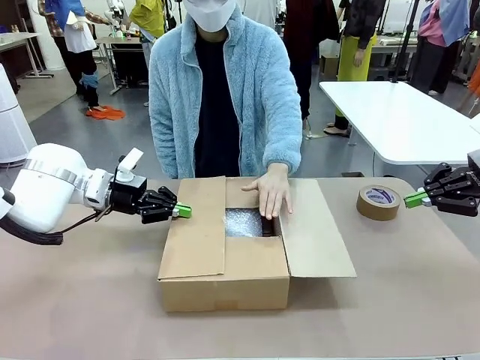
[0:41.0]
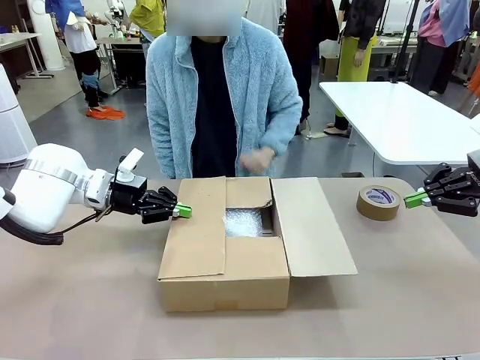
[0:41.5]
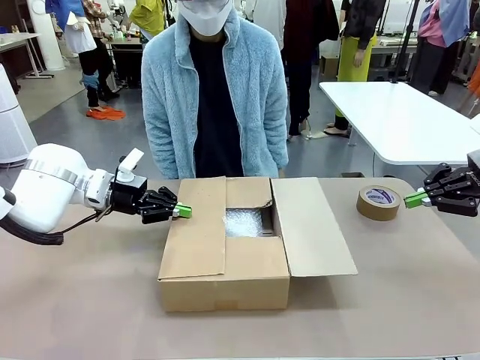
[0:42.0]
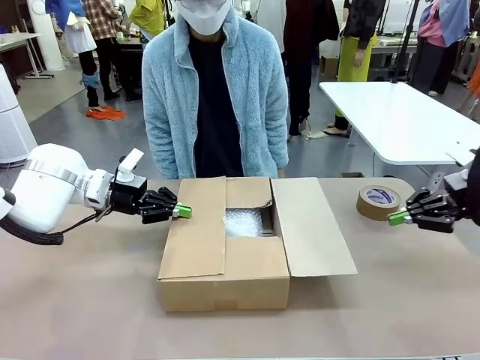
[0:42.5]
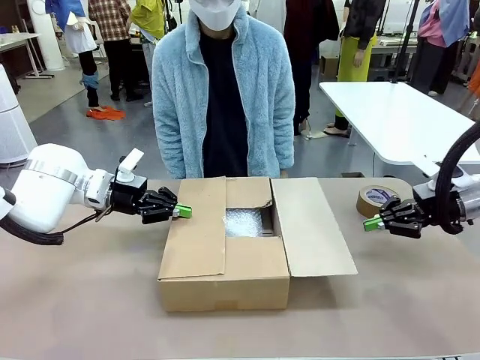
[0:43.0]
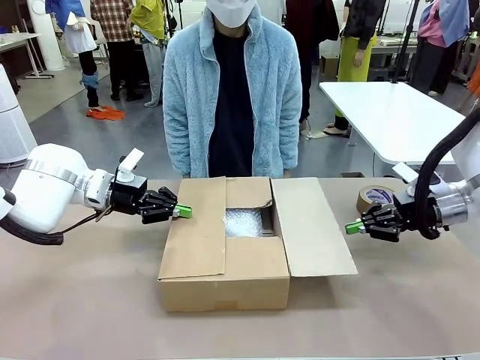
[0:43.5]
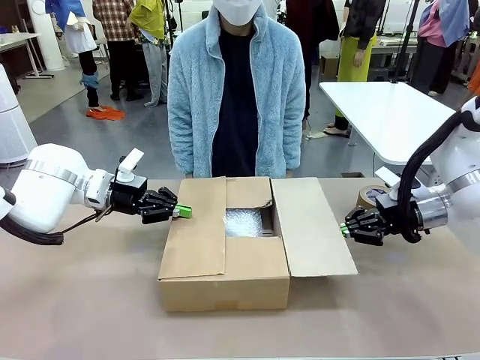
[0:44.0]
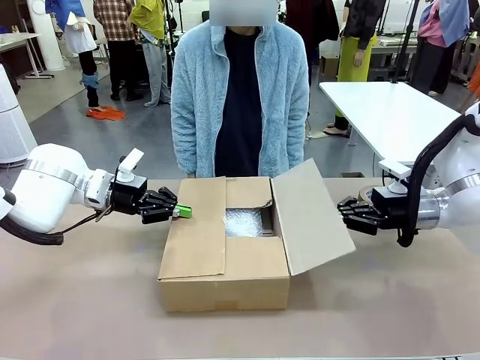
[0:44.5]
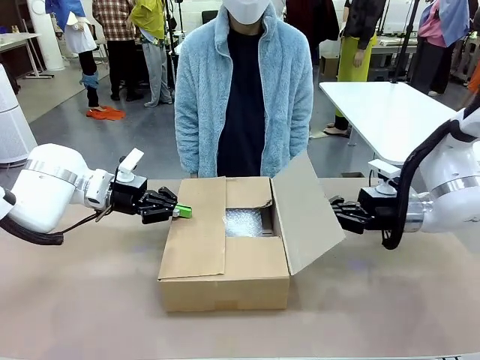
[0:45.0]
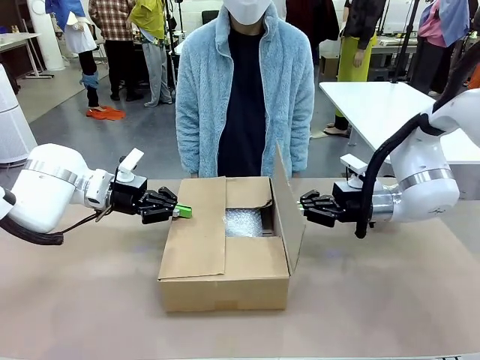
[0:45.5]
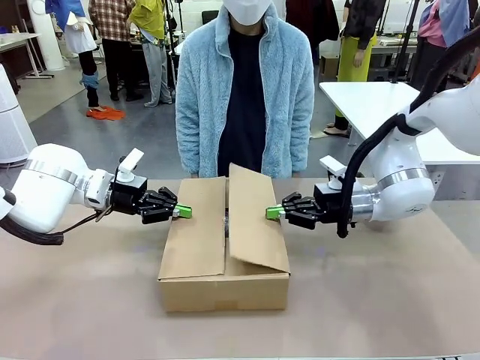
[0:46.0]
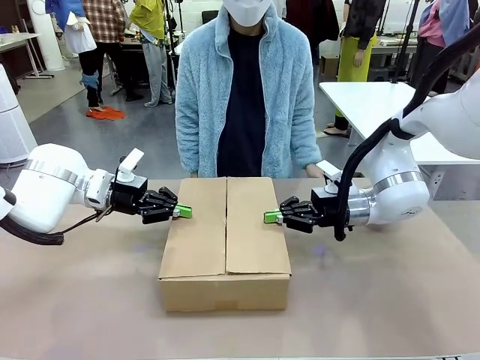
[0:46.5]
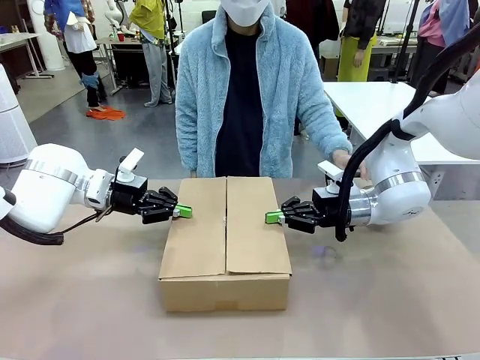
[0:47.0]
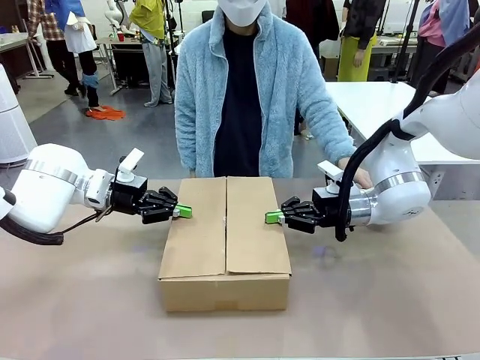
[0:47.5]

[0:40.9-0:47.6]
Task: Wrap the clocks to prevent damage.
Robot: Push the left (or right) flap of the Package Box to close it.

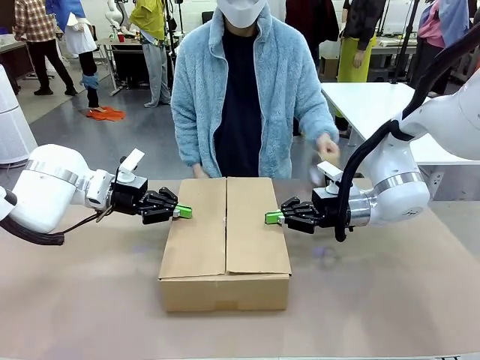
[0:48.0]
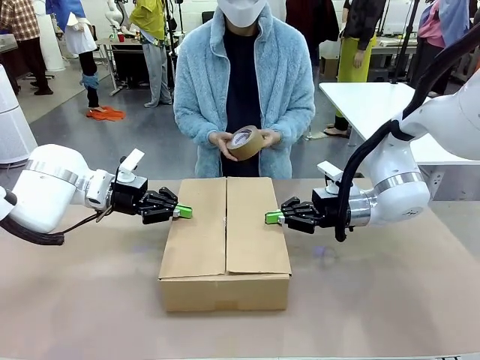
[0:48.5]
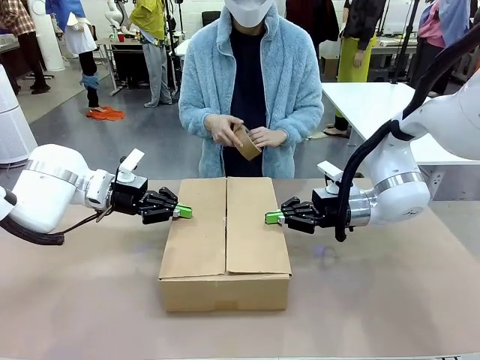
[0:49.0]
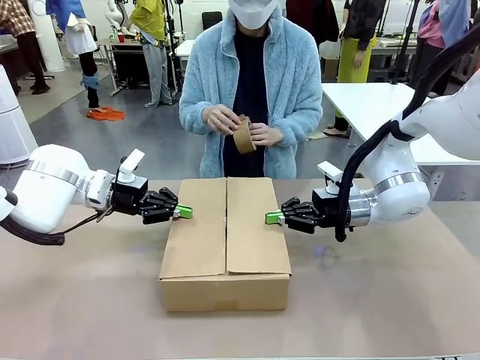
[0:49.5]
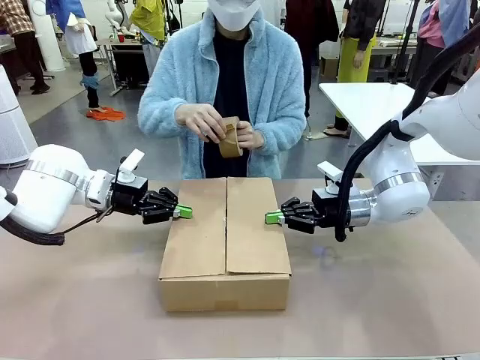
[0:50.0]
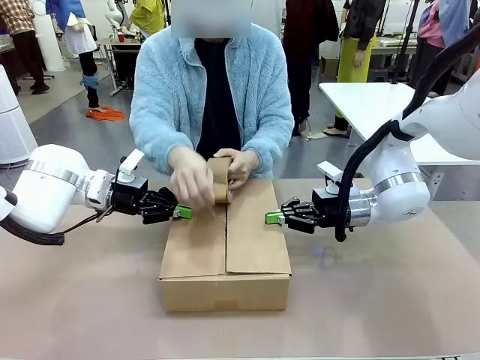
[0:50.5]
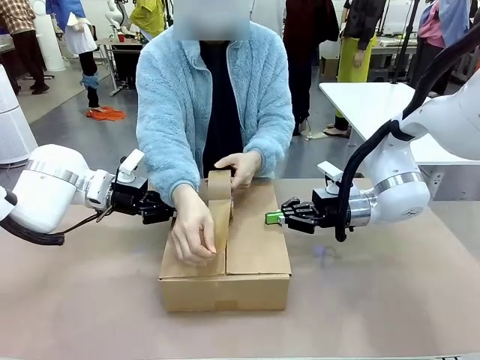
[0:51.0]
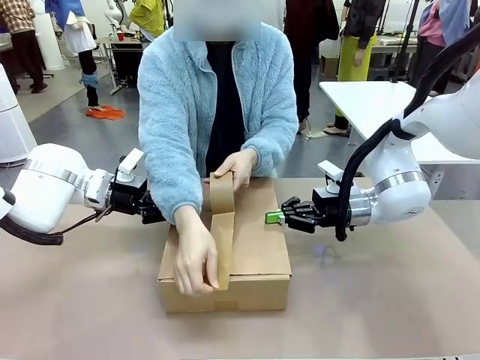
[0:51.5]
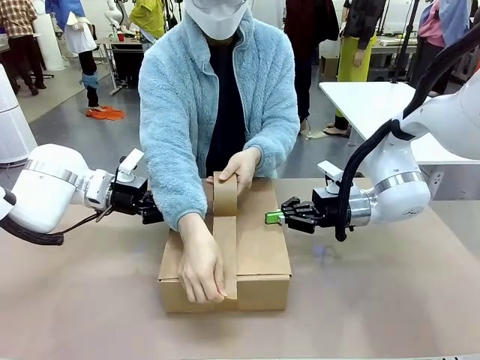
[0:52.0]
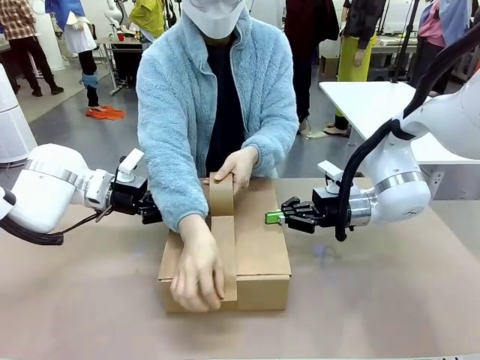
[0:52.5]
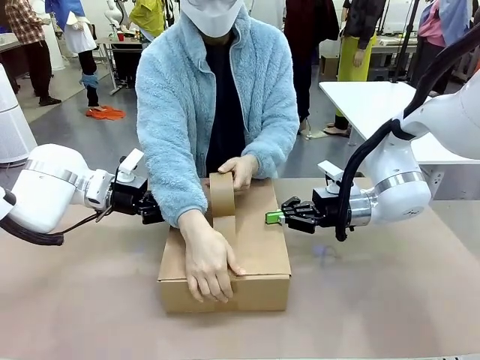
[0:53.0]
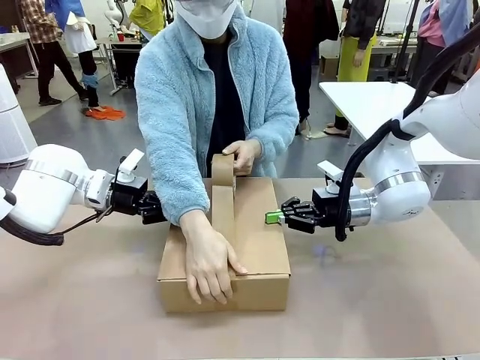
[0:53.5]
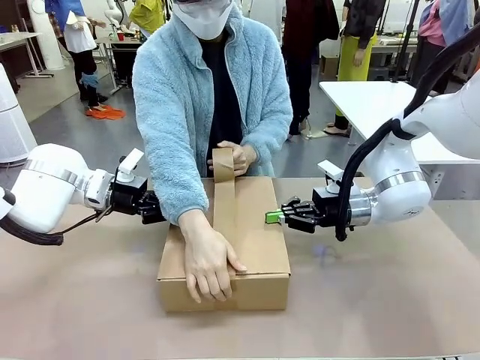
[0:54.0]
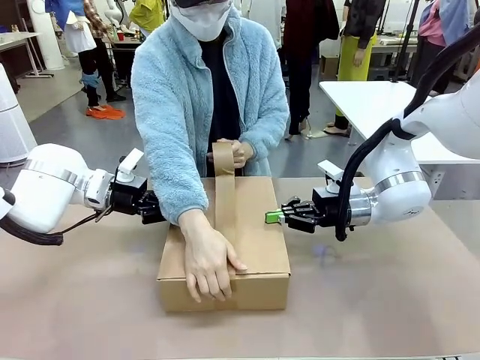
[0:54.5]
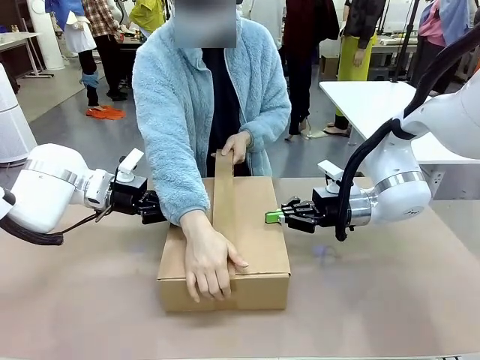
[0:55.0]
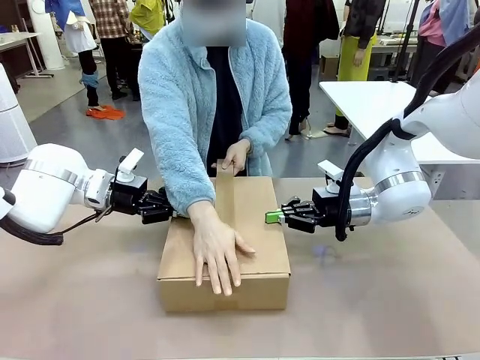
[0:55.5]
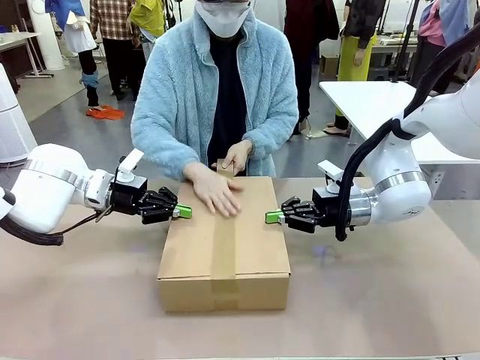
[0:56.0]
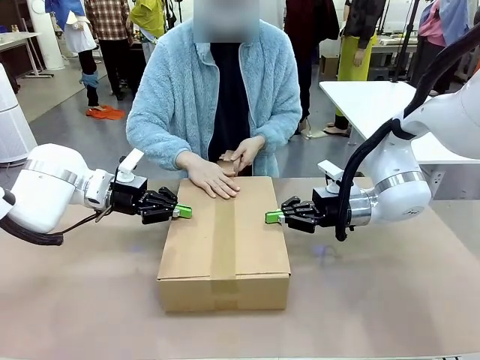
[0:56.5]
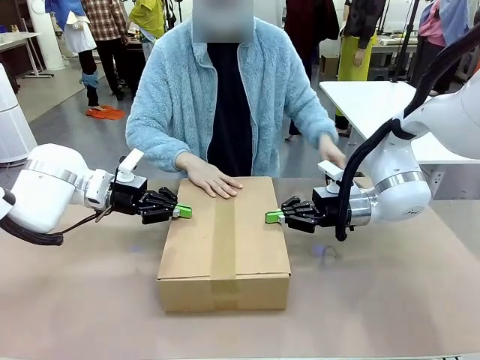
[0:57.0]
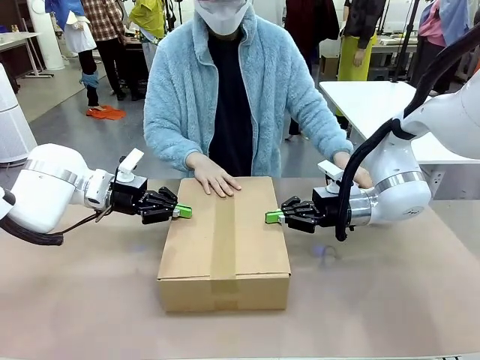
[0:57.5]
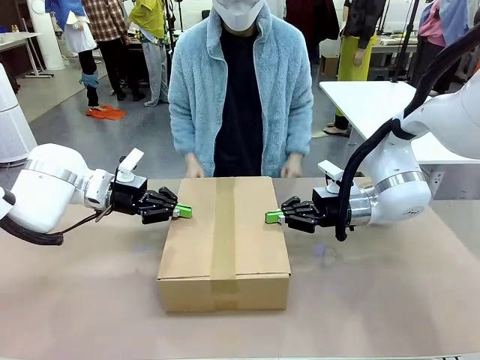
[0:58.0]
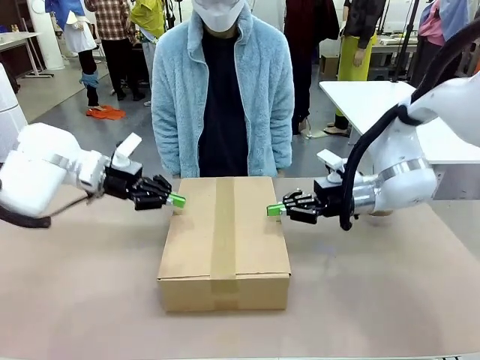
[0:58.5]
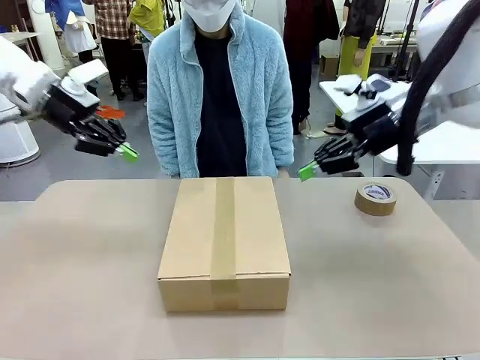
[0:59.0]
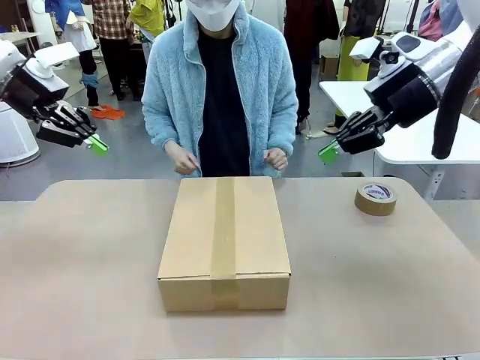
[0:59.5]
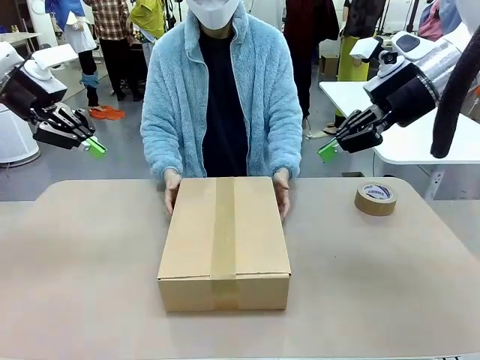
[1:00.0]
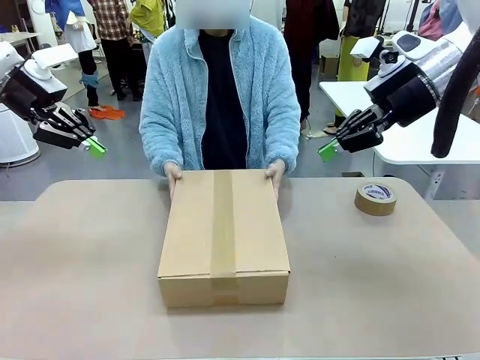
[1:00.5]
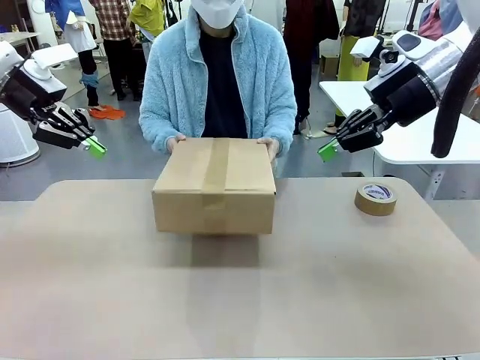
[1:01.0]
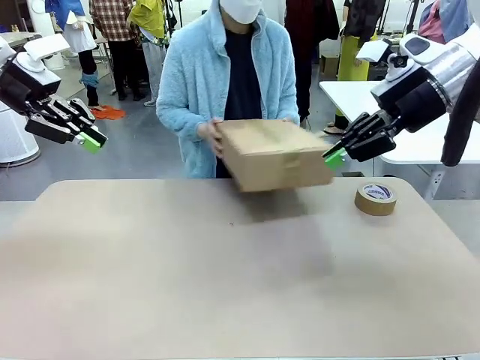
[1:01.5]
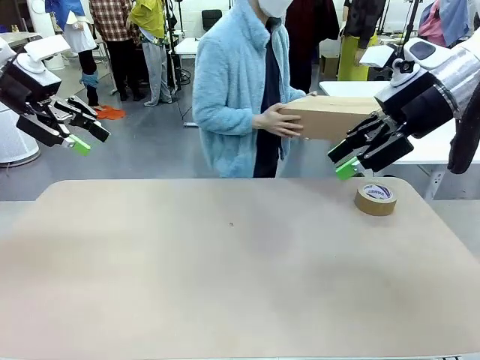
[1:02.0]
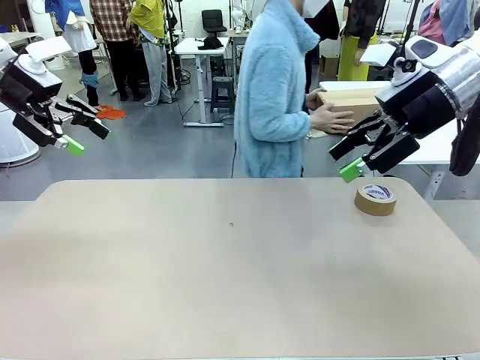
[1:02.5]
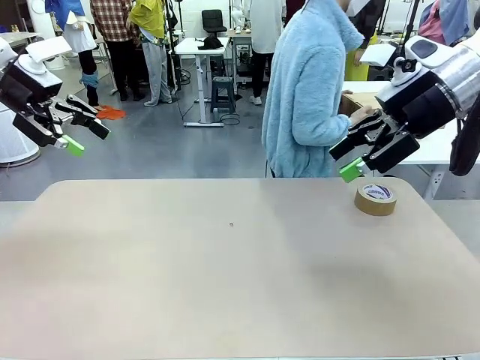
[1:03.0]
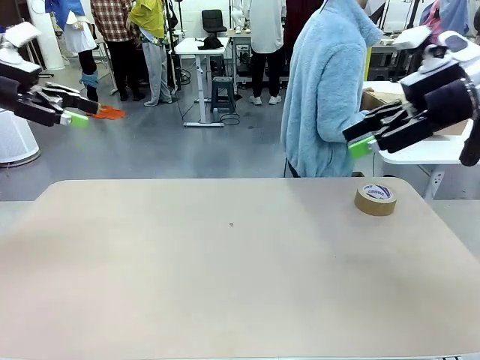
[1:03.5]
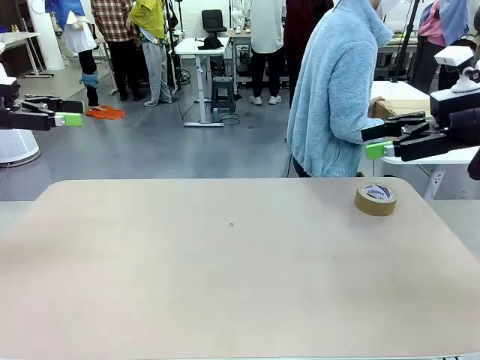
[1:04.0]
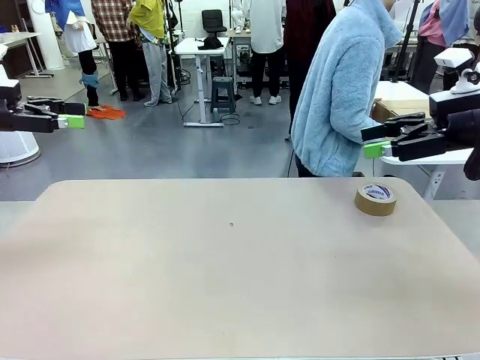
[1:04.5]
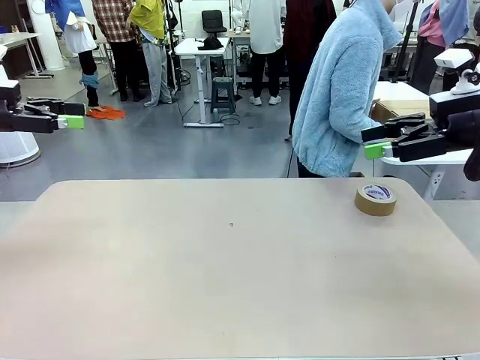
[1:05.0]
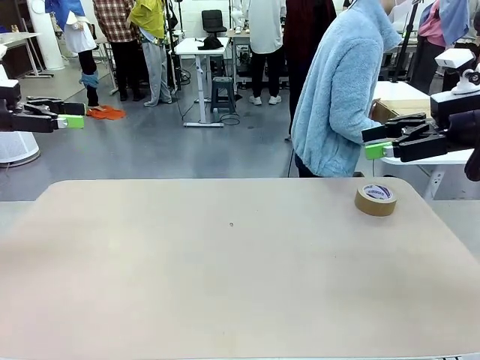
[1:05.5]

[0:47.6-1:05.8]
Robot: After the human seals the box with tape, release both hands from the side flaps of the Package Box.
Person: Once the robot closes the left flap of the Package Box , seal the box with Paper Tape. Place sealed Package Box in the middle of the human's table.

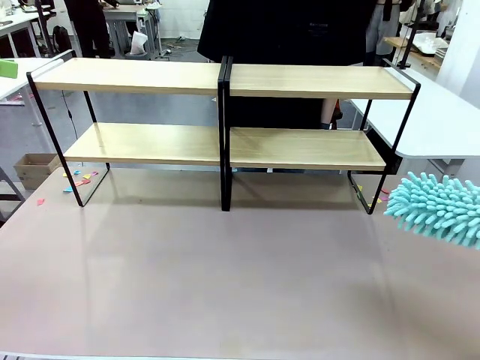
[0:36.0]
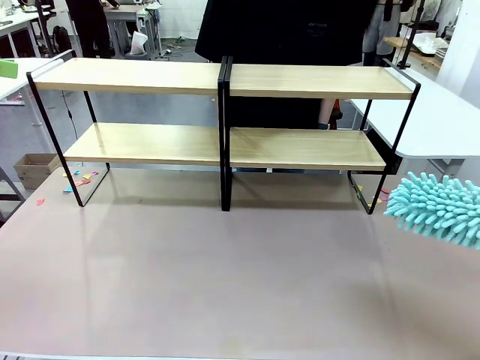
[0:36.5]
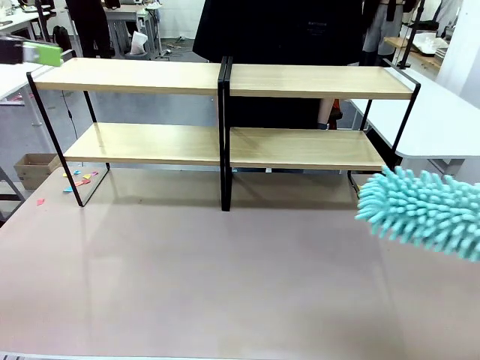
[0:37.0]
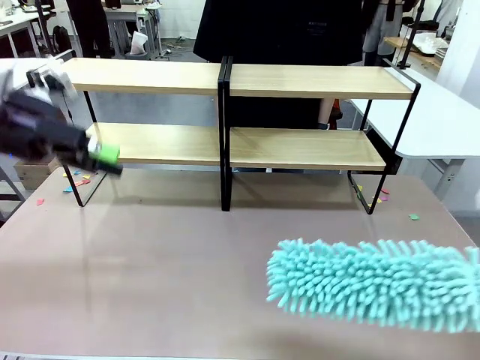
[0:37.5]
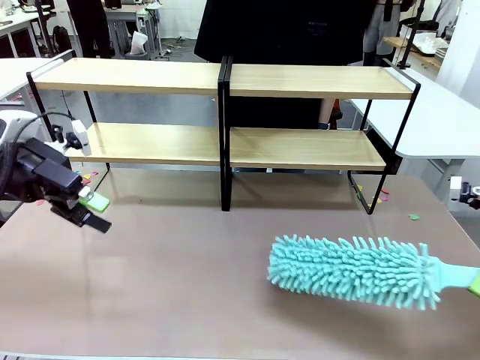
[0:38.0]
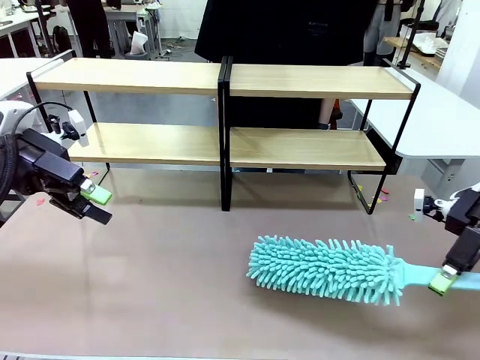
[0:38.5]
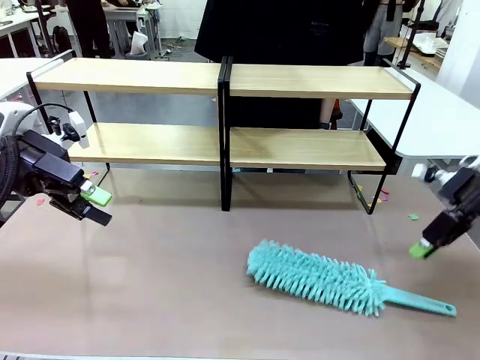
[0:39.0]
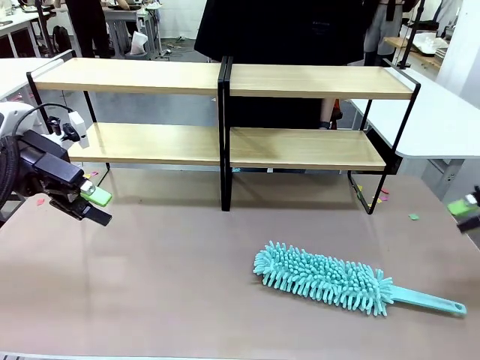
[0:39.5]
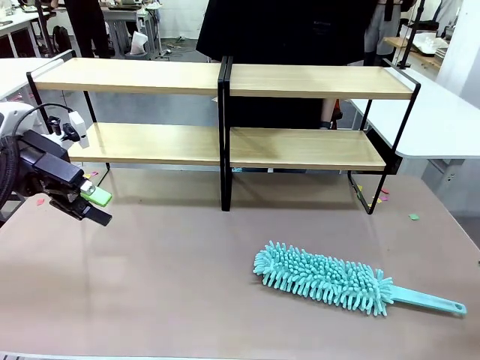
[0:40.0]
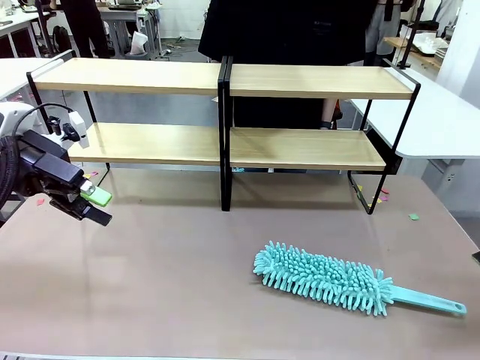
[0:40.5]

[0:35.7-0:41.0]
Task: Clean the shelves.
Robot: Place the Duster on the table.
